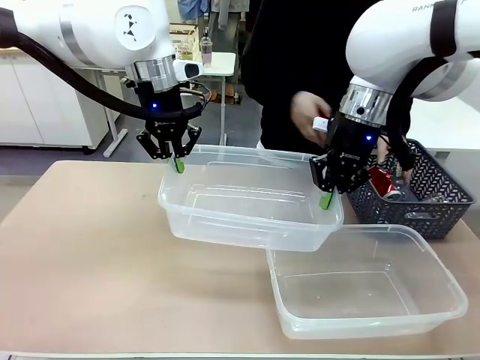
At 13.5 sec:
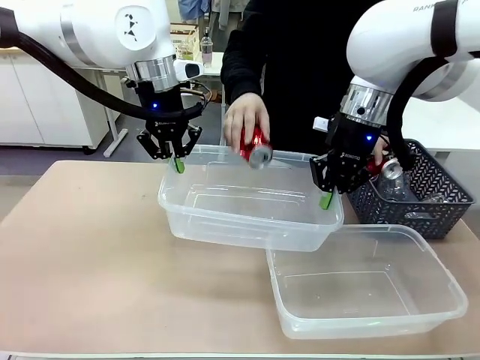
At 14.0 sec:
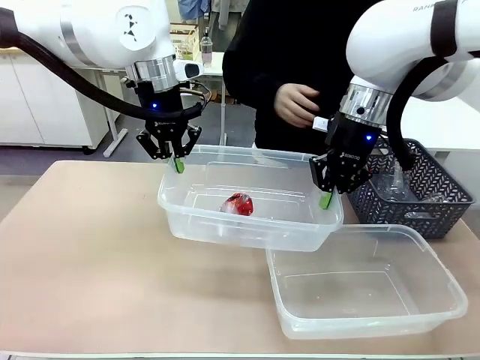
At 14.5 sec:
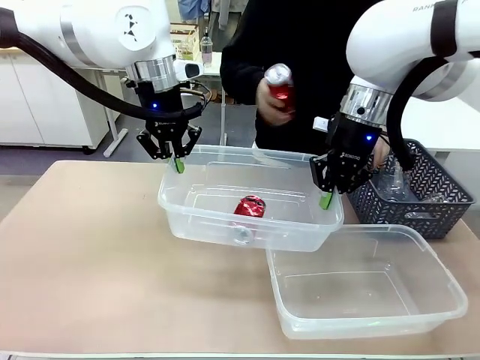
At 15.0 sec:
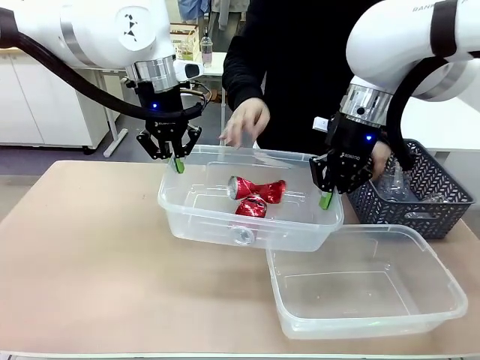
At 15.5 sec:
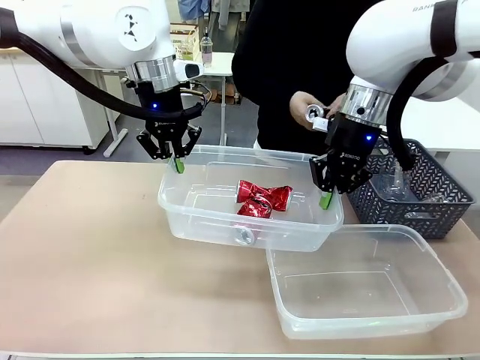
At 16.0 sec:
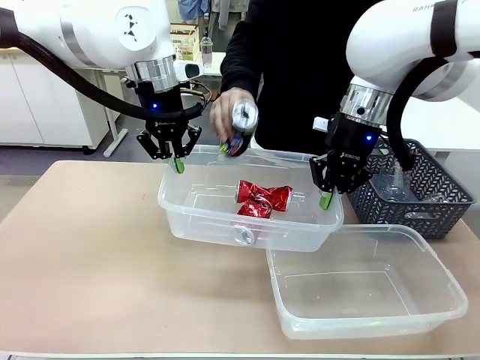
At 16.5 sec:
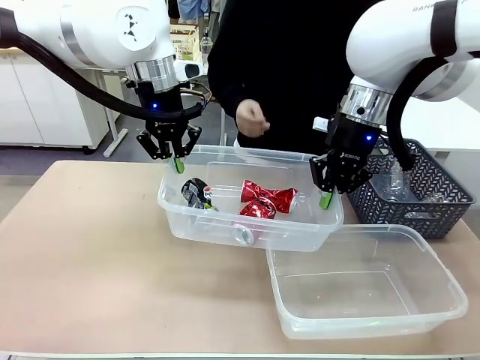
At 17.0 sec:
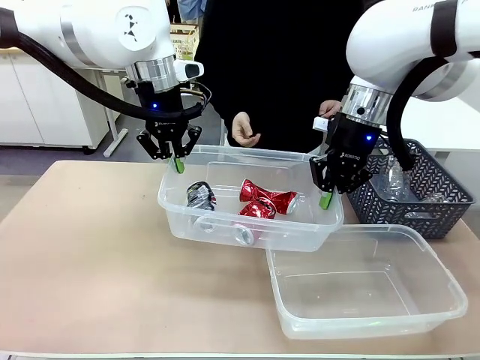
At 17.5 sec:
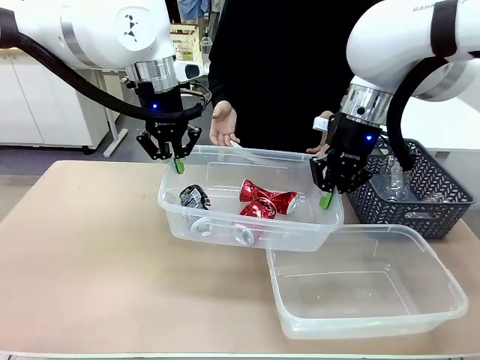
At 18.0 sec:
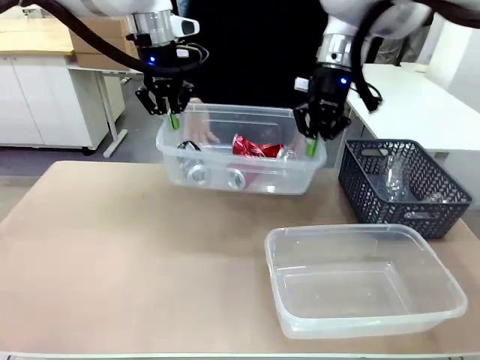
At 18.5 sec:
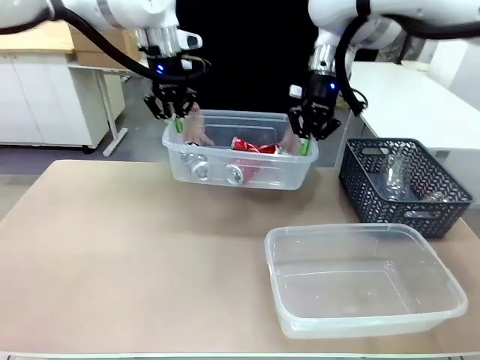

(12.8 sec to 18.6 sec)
Robot: Offer the picked Organizing box to the human.

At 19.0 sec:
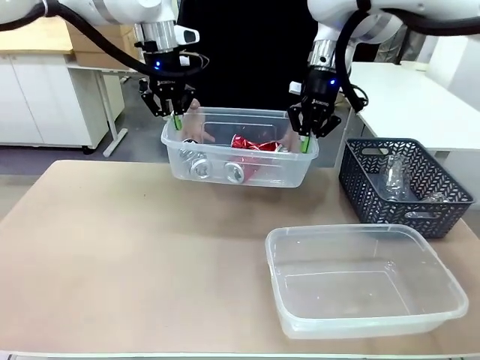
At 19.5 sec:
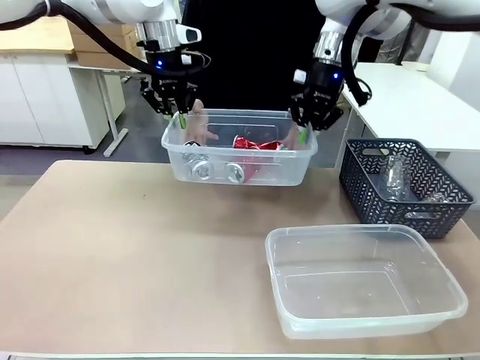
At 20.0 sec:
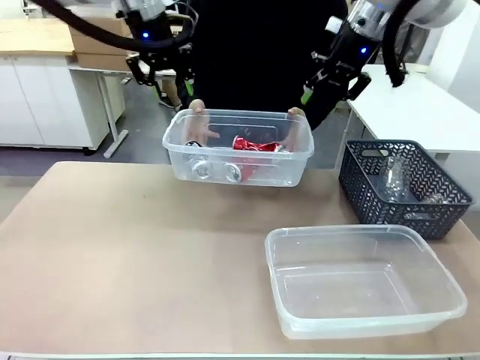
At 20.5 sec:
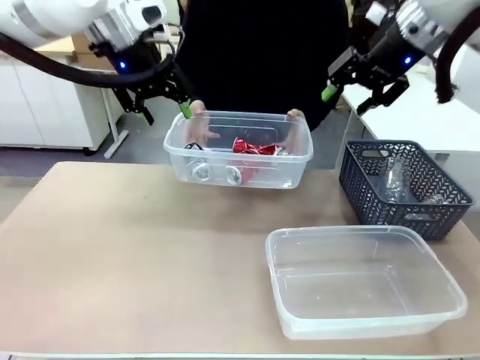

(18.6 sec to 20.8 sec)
Robot: Release the Organizing box you were holding.

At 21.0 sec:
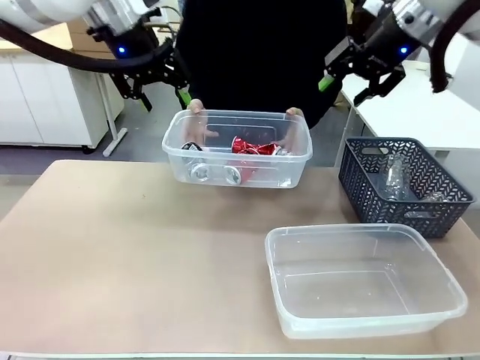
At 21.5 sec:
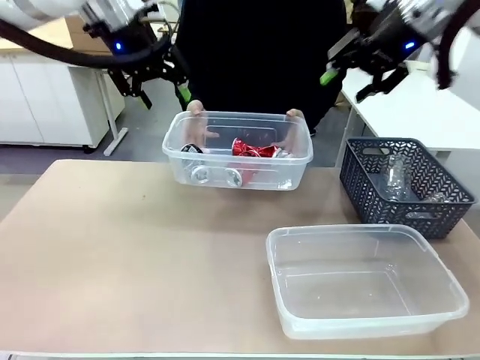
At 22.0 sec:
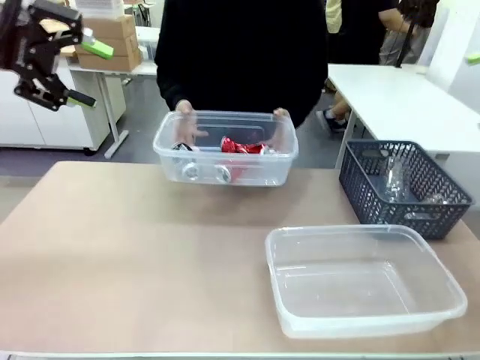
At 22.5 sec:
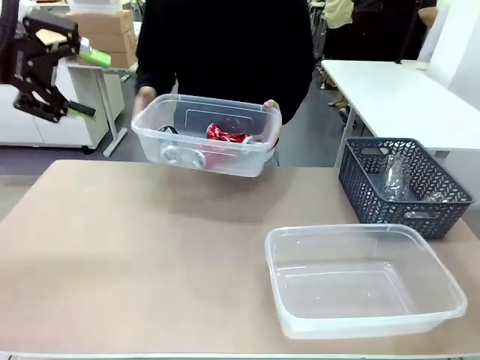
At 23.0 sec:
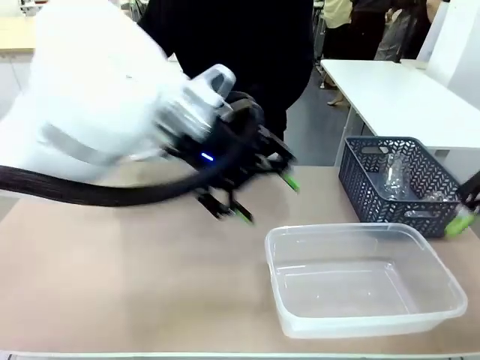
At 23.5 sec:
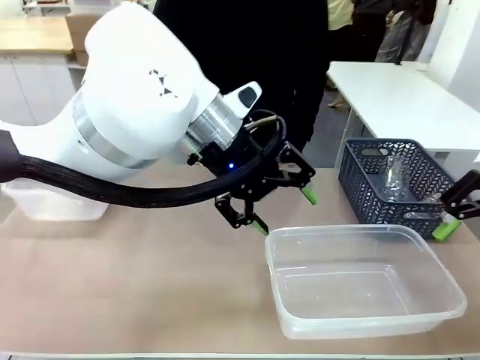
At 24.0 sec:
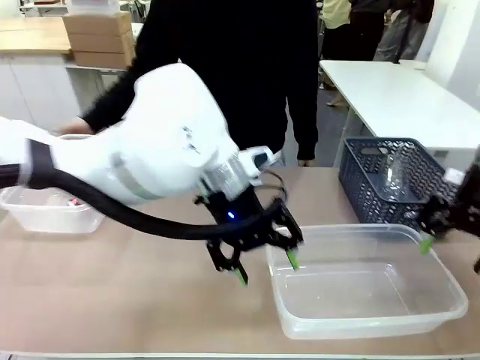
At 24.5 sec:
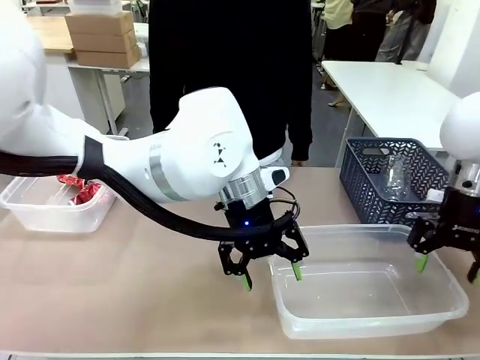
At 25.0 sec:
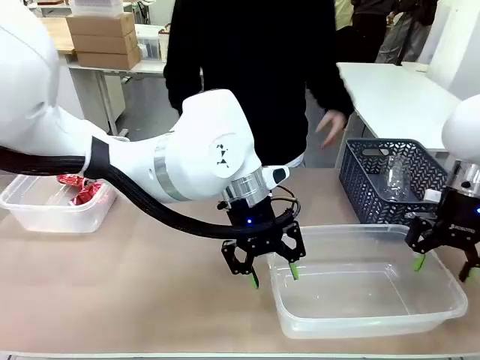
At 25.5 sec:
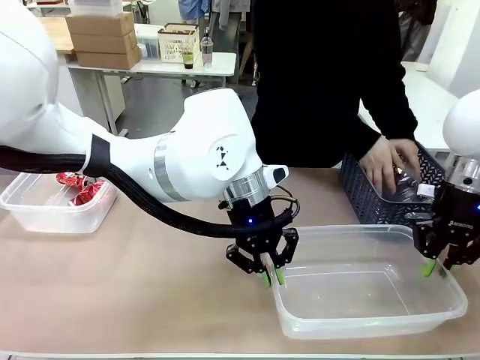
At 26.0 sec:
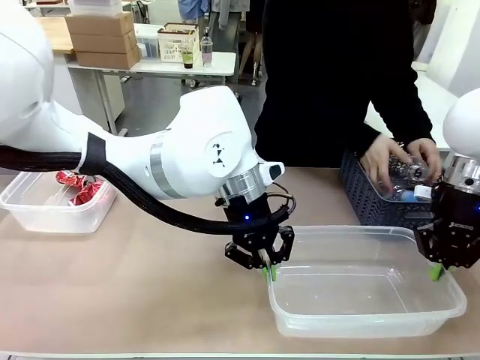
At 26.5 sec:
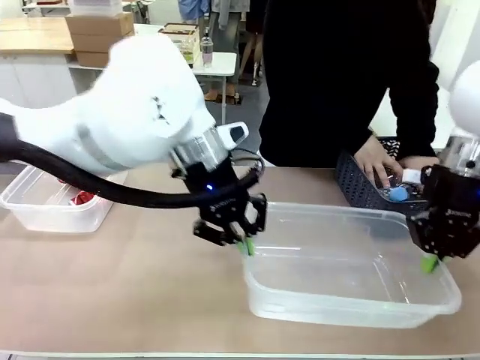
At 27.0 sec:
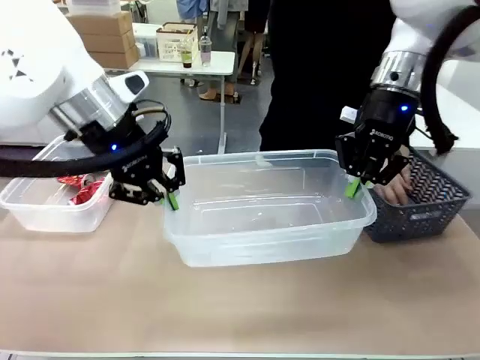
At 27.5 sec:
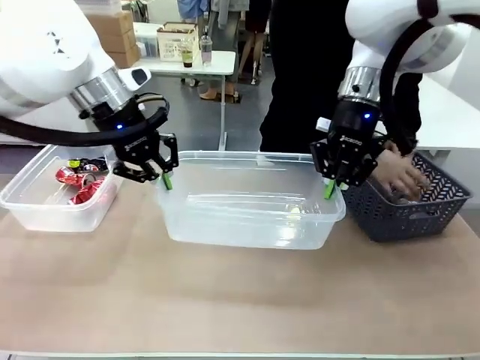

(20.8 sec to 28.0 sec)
Robot: Pick up the Organizing box on the right side of the table and lift it.
Person: Place it at the edge of the bottom right area of the robot table.

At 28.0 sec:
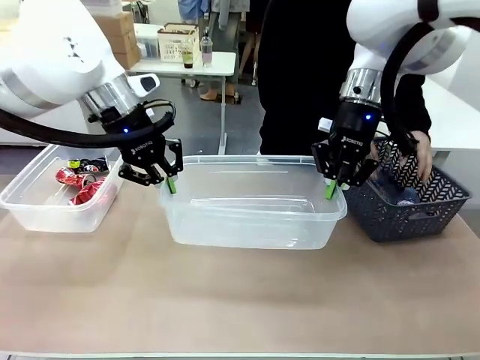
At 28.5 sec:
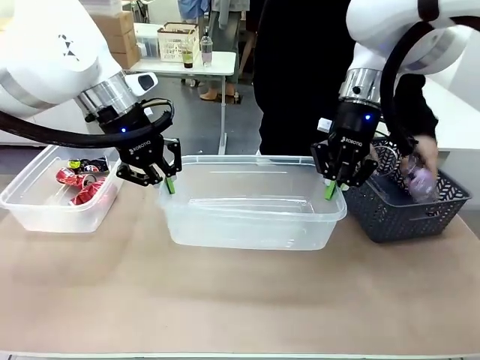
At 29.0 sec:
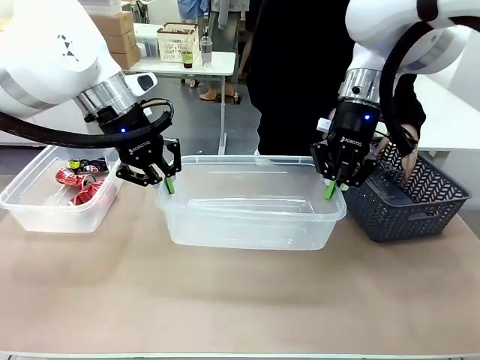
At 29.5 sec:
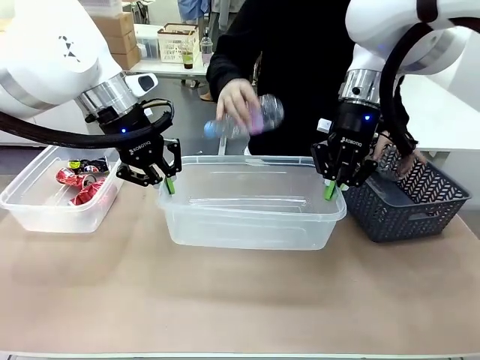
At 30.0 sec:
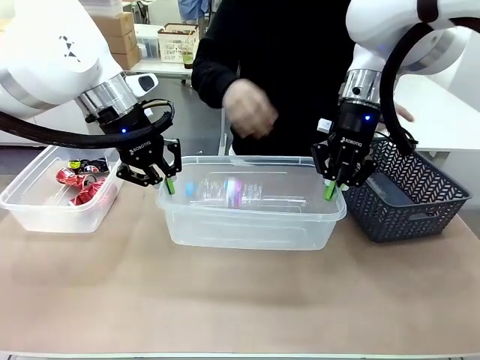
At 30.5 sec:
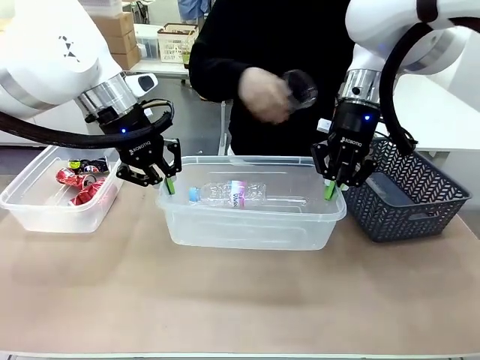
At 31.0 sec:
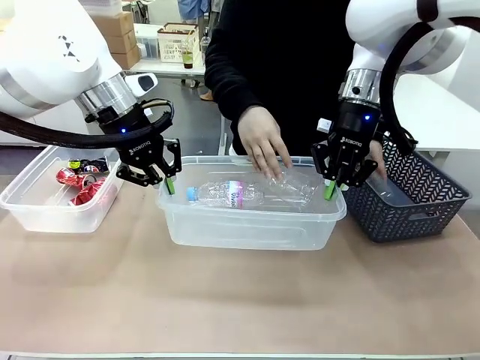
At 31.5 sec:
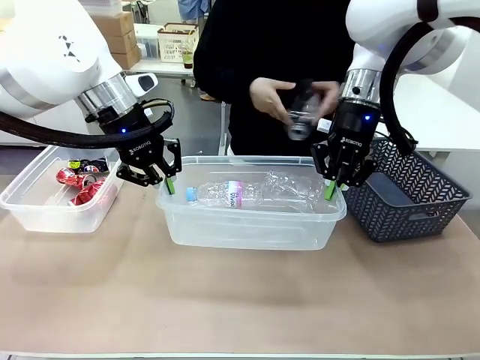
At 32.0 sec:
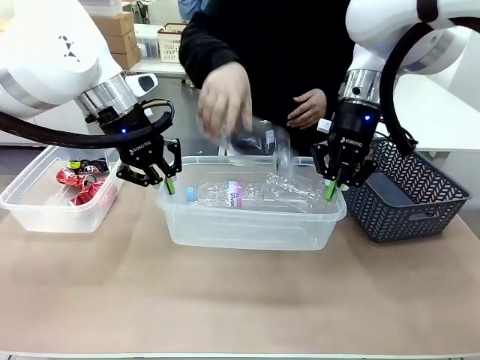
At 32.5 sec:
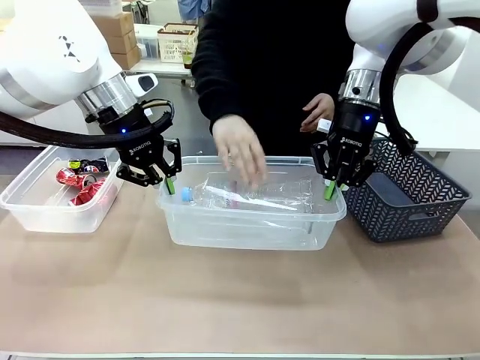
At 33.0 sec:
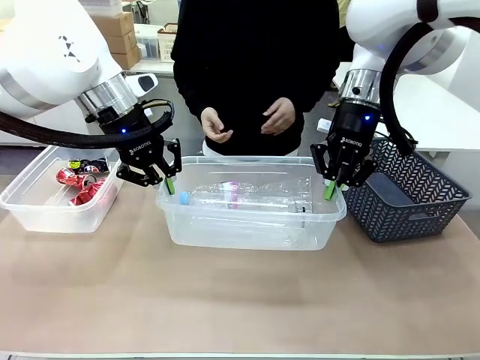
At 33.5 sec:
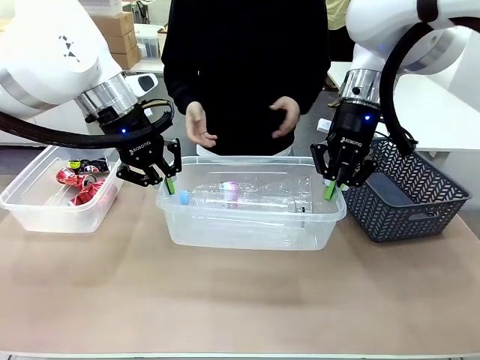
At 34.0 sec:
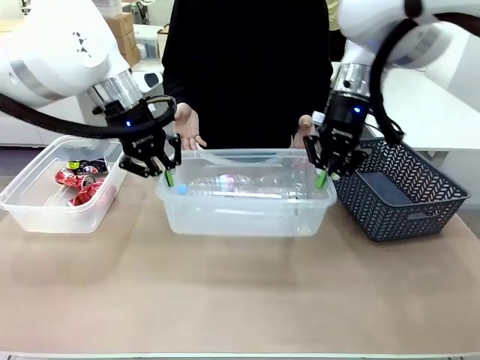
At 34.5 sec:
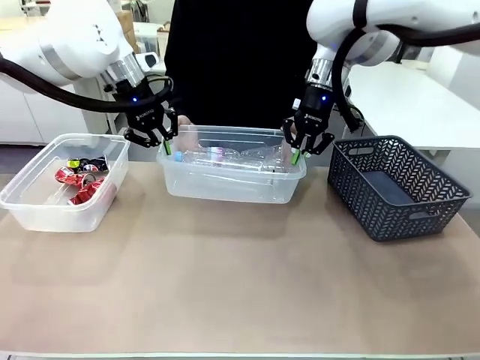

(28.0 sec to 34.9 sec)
Robot: Offer the picked Organizing box to the human.
Person: Pick up plastic waste one by one and place it into the organizing box lifted by the robot.

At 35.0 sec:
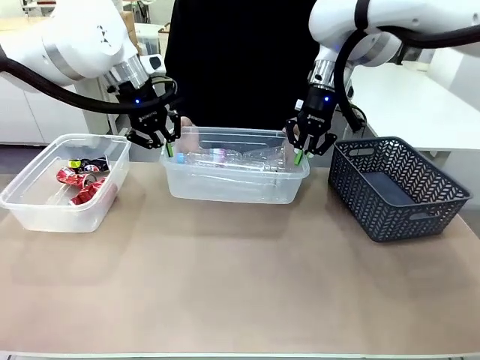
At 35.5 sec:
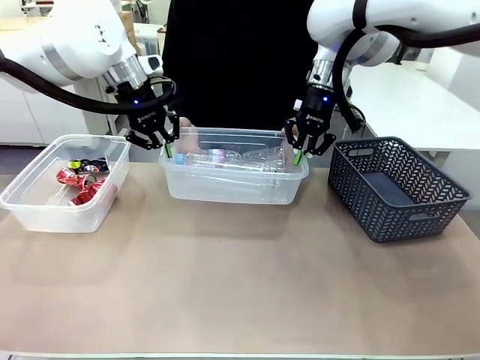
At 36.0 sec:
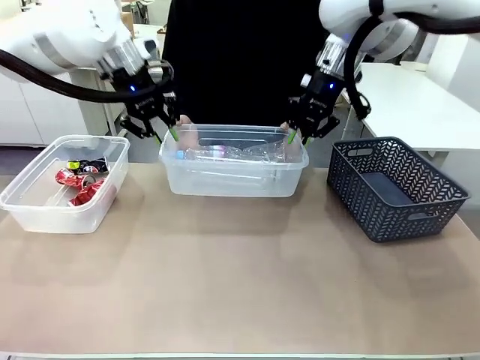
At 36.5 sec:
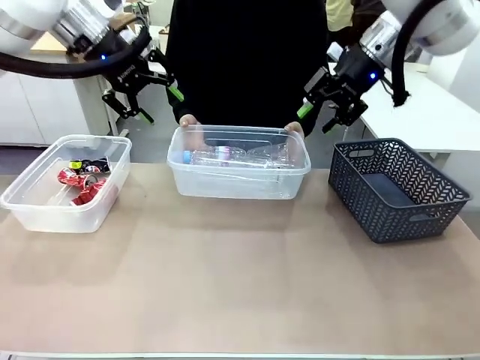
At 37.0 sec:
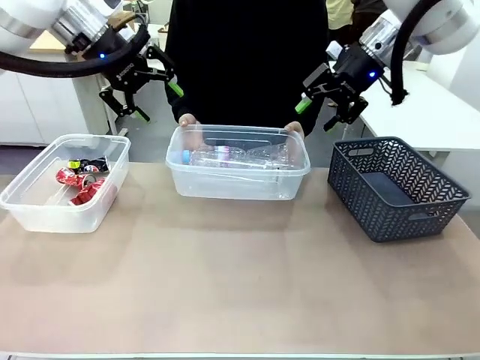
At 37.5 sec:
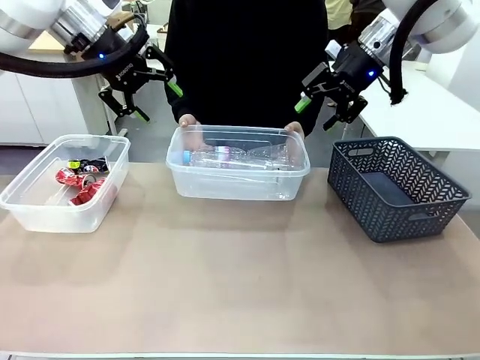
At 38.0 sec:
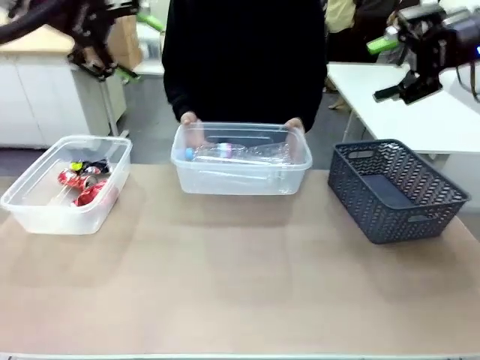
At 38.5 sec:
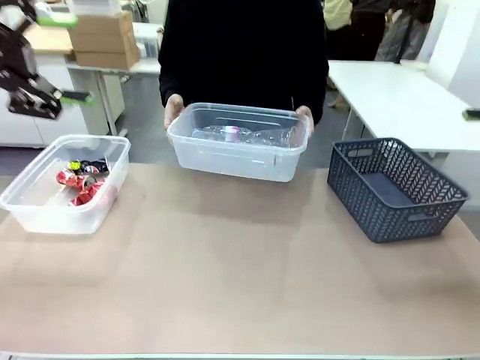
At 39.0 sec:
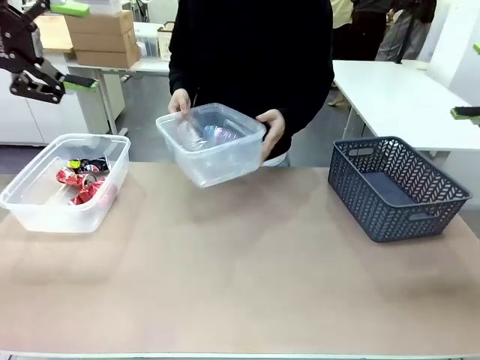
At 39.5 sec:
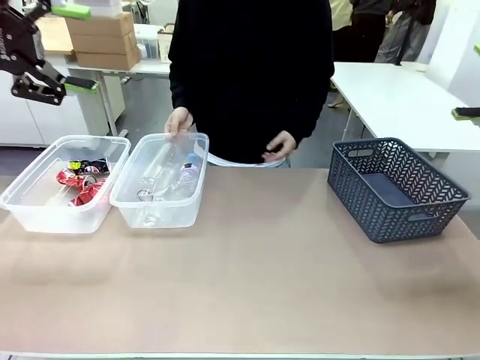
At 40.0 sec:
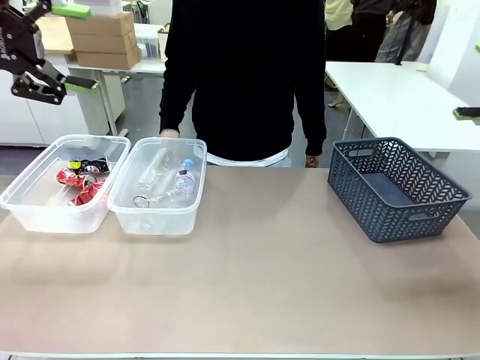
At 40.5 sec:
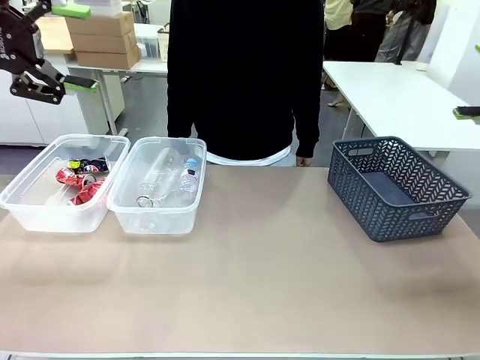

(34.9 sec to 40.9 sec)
Robot: Release the Organizing box you were holding.
Person: Pick up the organizing box extended by the robot. Place the organizing box to the left of the sorting box containing the can waste.
